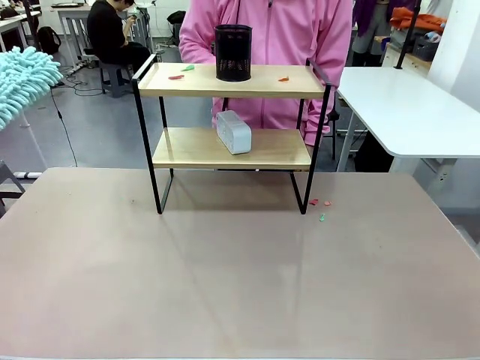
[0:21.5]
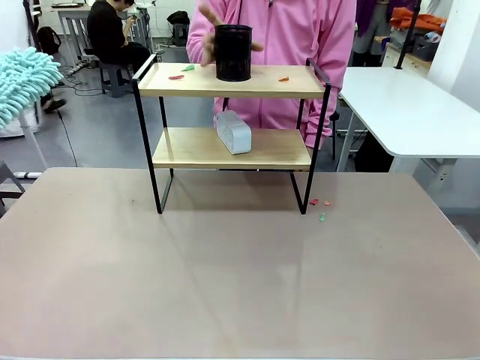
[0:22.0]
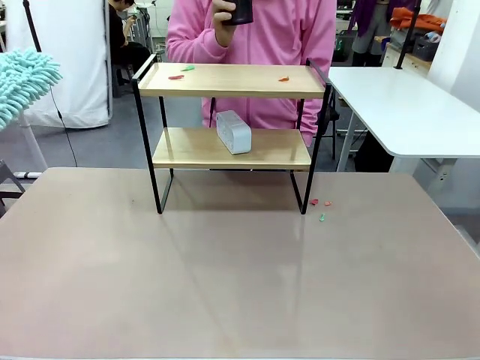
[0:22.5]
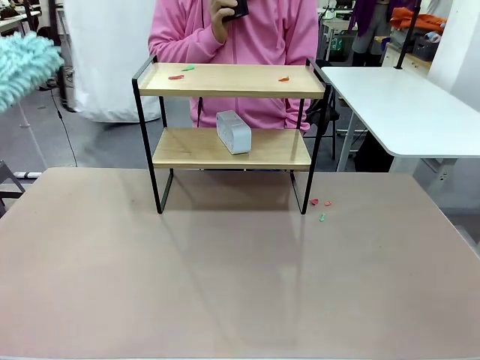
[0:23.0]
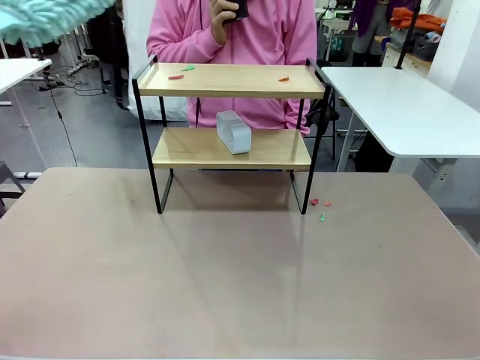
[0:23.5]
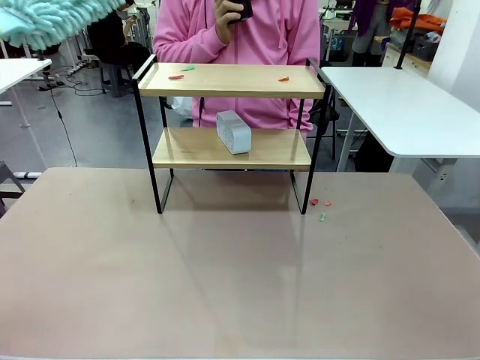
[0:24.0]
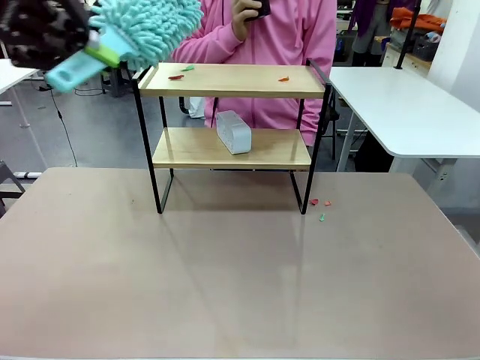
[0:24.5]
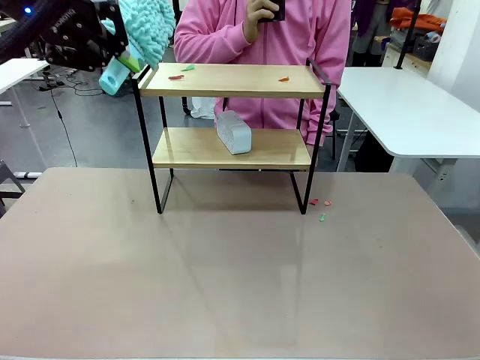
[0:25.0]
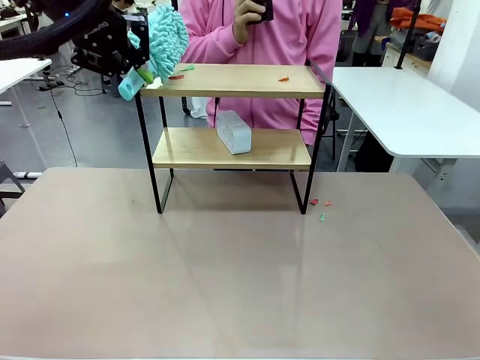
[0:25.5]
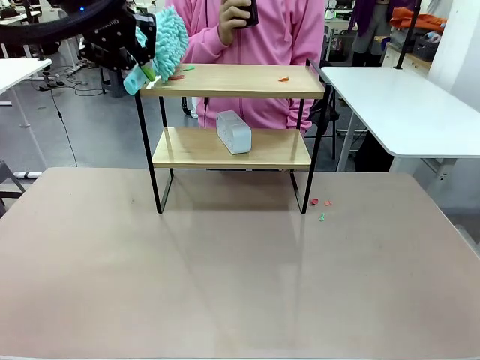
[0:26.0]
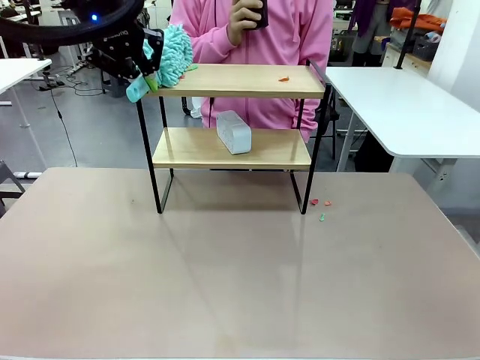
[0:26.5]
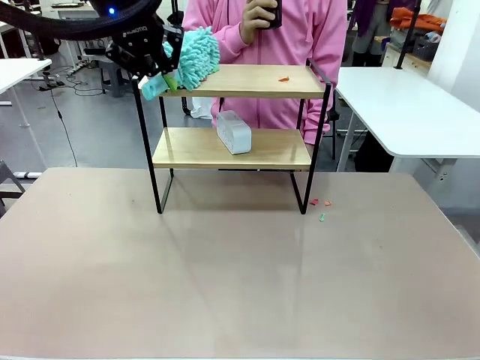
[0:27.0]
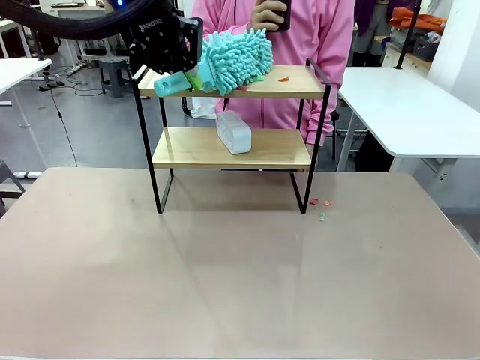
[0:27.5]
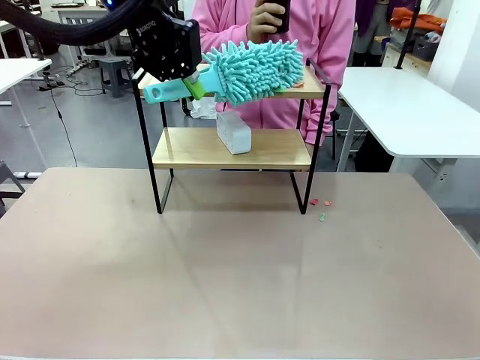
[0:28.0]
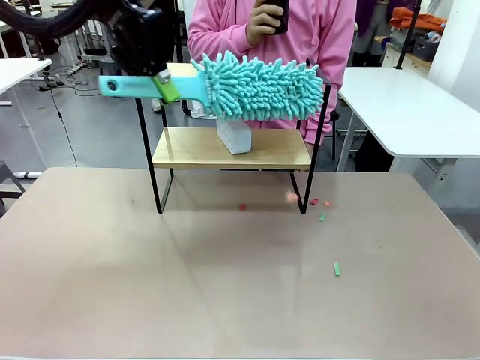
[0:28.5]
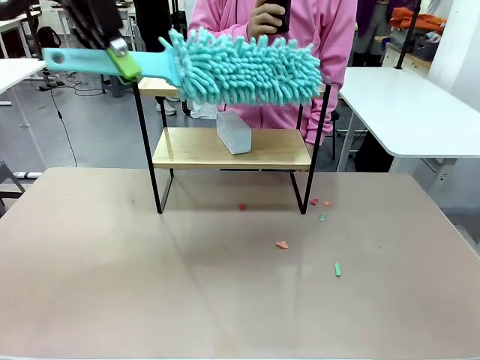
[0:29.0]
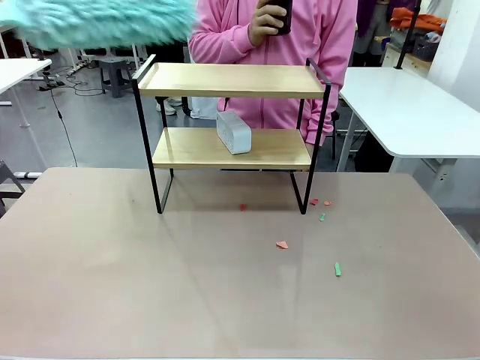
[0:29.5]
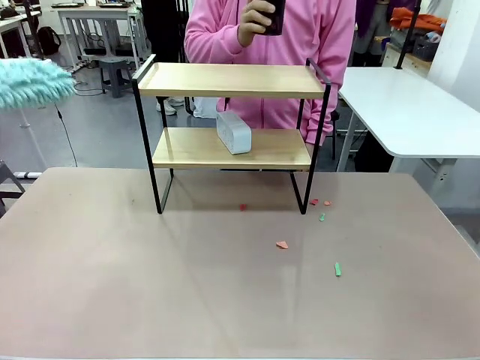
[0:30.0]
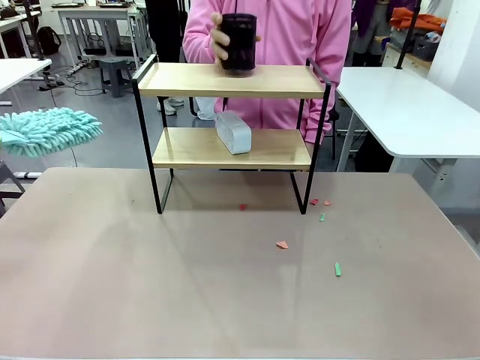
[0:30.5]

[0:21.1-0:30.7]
Task: Clean the shelf.
Robot: Clean the remaining tier of the Shelf with the Duster once objects are removed.

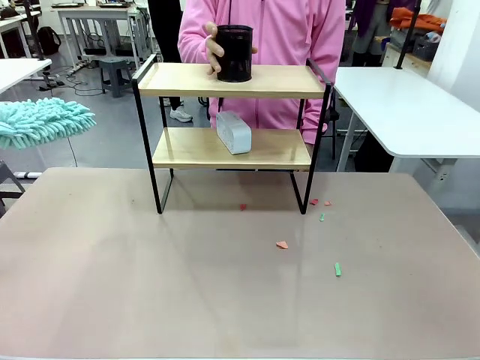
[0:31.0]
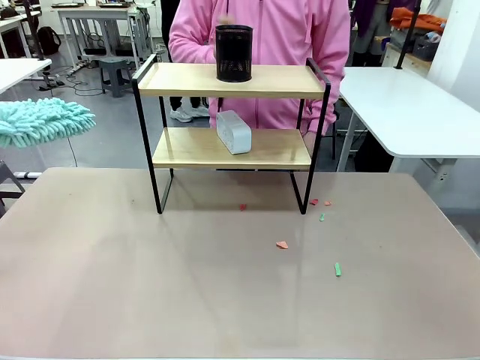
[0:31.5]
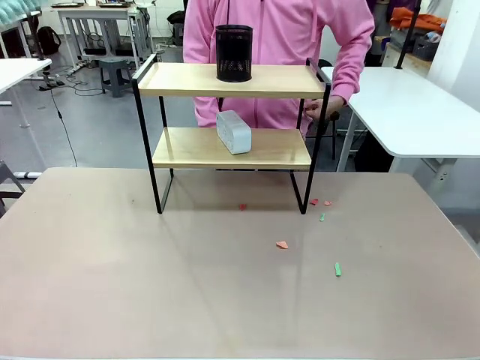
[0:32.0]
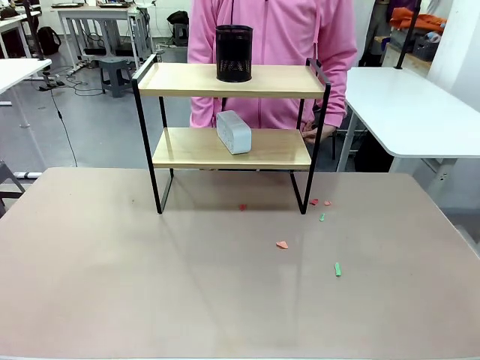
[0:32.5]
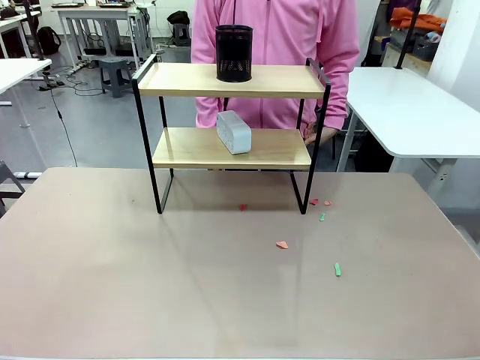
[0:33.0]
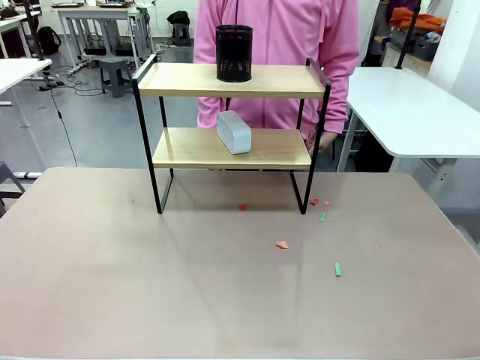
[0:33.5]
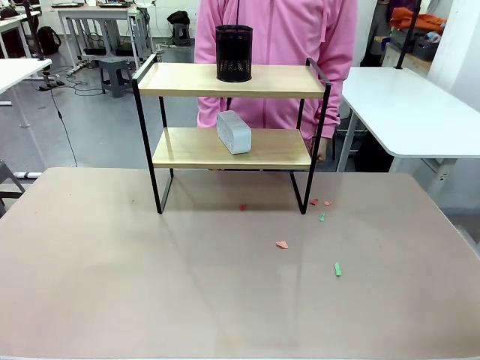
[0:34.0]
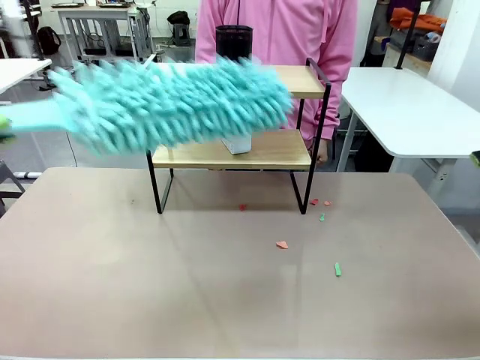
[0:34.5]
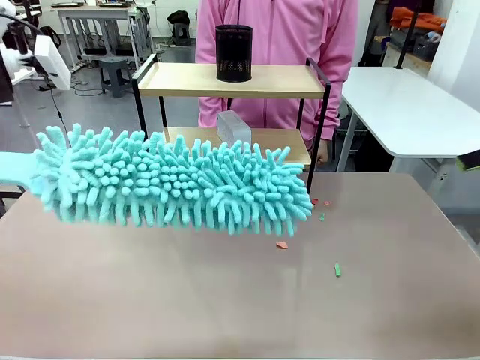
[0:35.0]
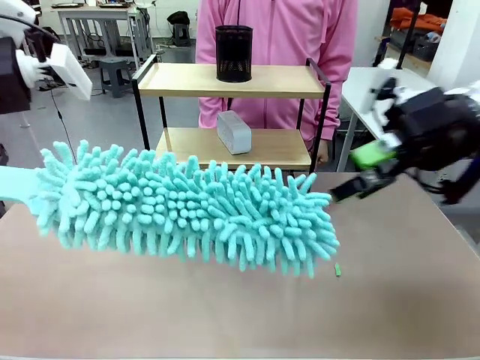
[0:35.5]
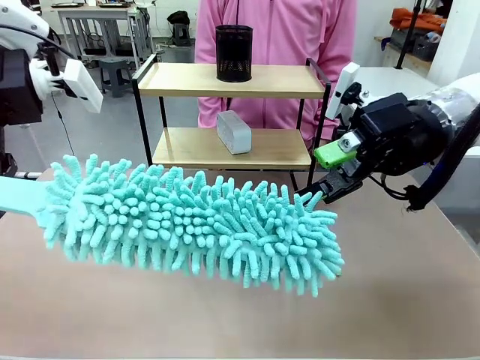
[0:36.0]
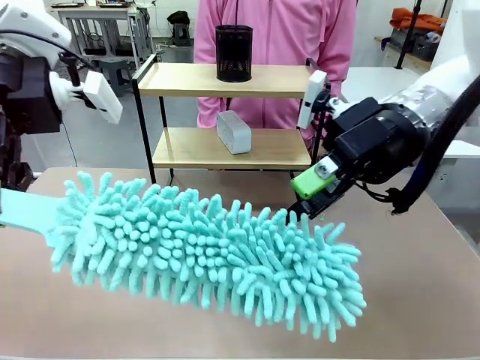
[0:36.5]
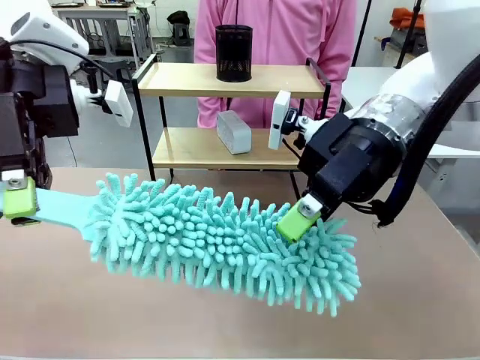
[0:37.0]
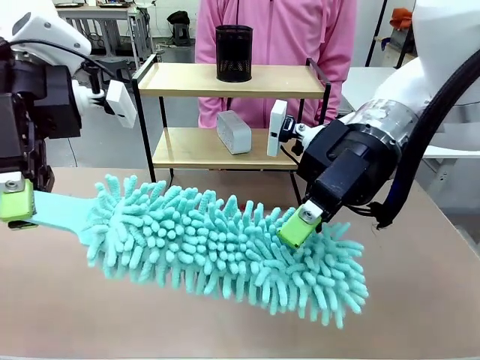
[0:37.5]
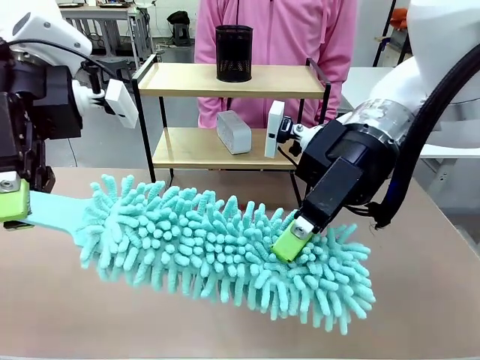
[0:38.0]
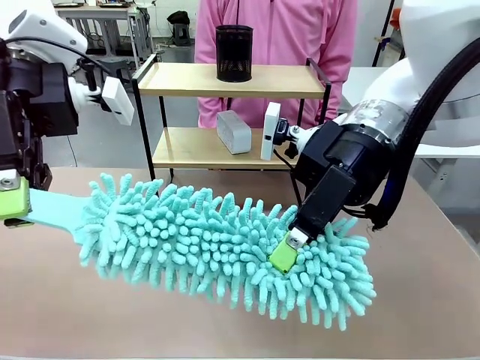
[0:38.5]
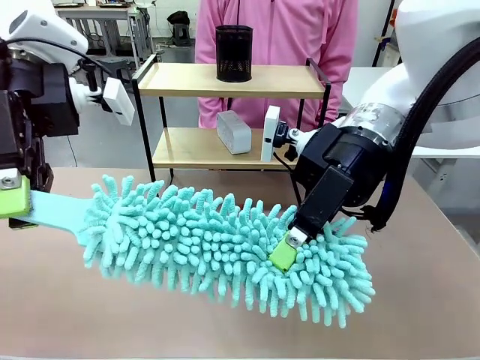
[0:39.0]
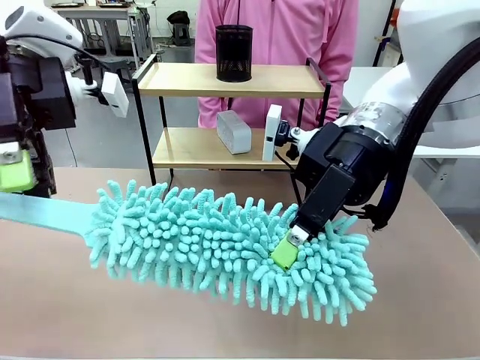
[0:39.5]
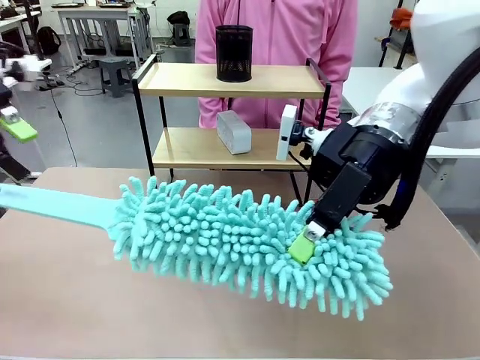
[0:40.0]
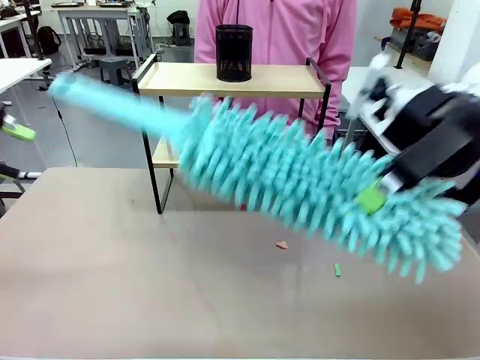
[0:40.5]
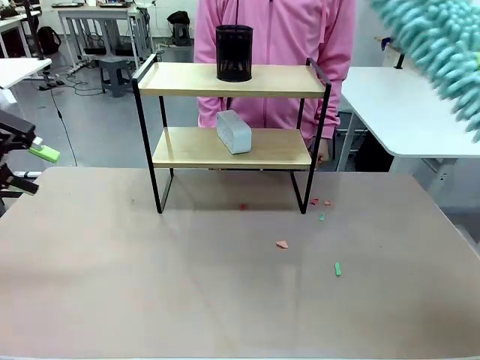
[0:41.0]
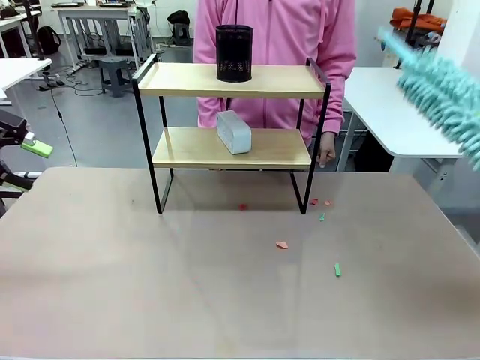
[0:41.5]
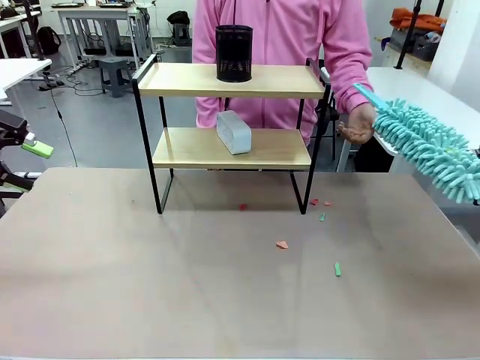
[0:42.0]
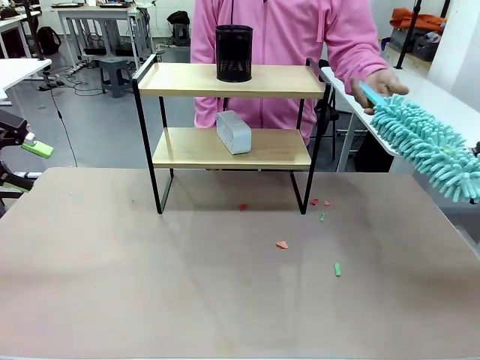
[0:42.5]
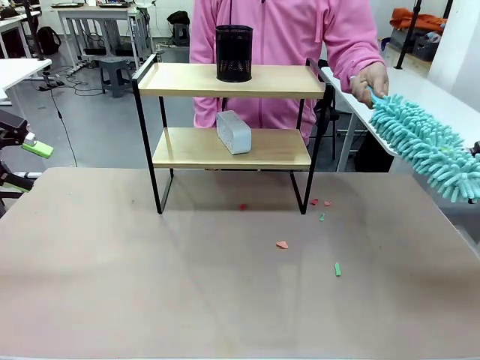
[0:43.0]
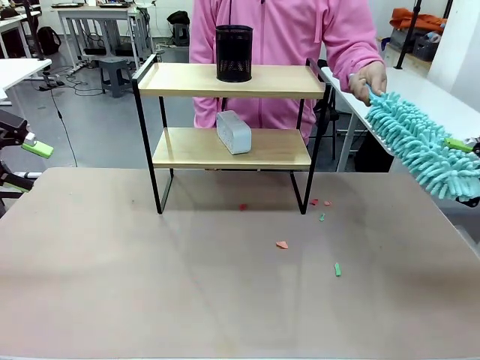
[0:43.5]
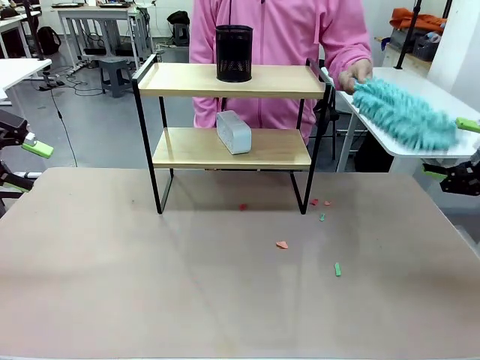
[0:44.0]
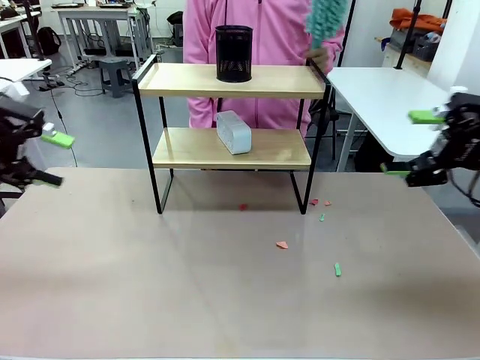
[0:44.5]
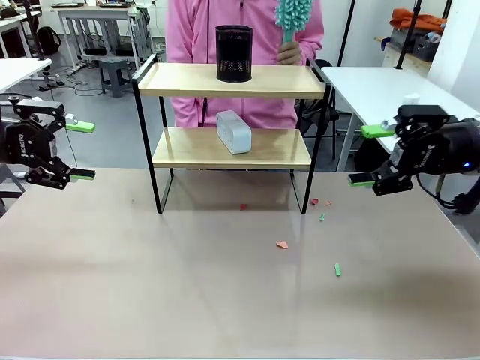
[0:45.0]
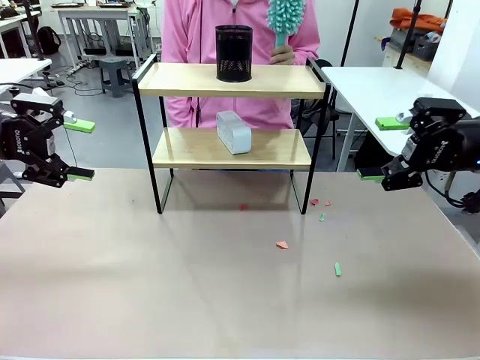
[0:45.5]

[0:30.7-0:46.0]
Robot: Hand the Duster back to the human.
Person: Receive the Duster from the robot.

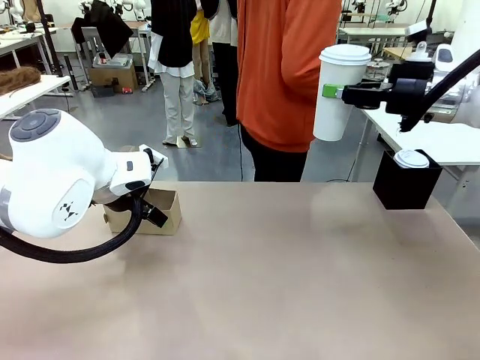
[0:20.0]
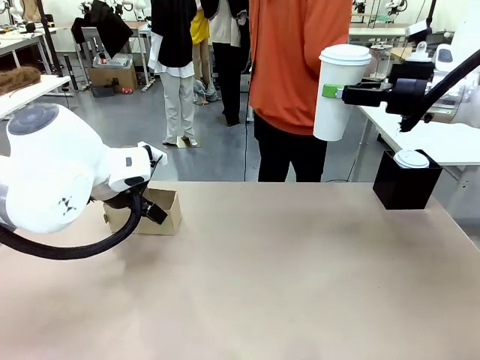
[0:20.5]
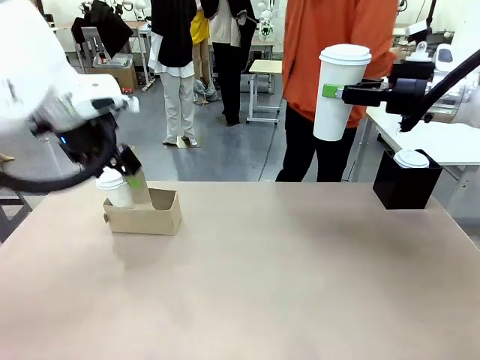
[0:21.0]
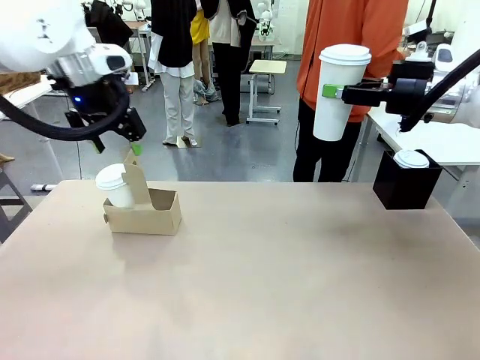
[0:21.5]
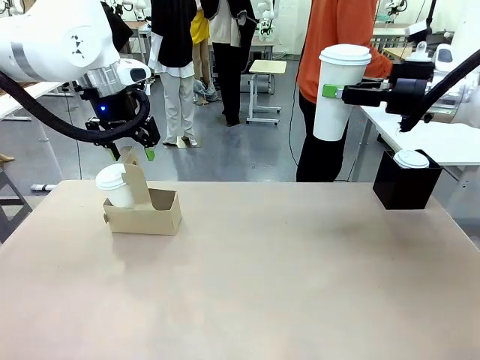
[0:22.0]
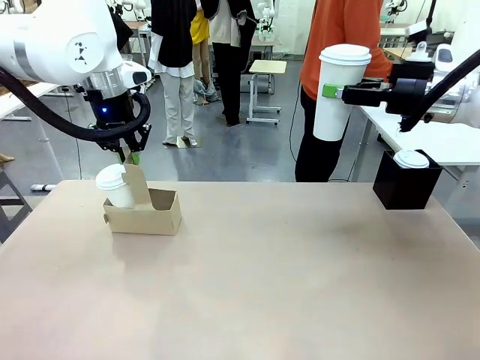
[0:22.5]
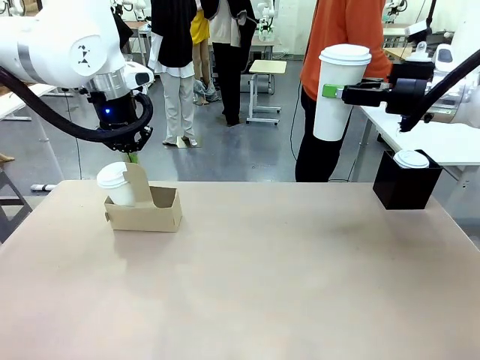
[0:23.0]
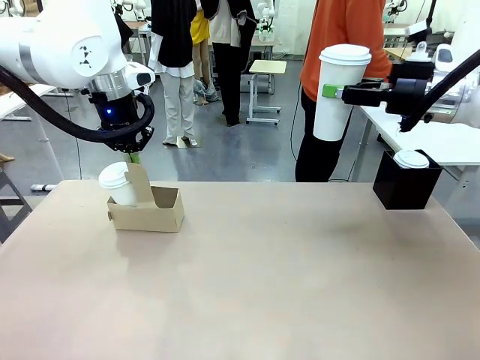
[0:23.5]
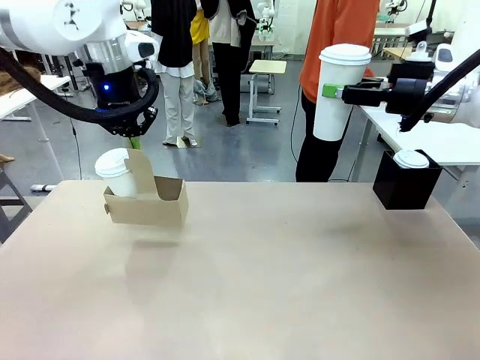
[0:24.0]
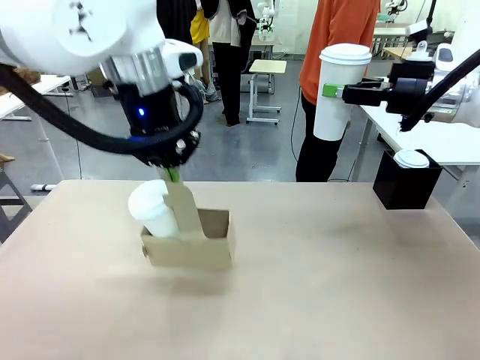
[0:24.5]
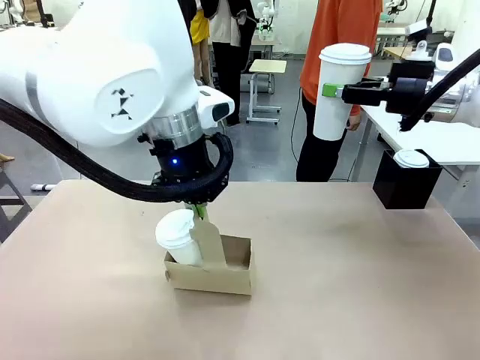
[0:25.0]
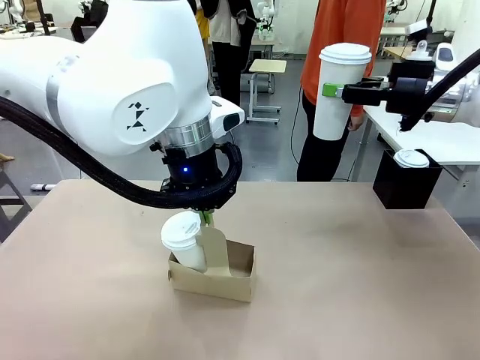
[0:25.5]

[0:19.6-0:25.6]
Task: Pour a drink into a cup and package it in a carrier.
Robot: Position the Cup Carrier in the center of the table.
